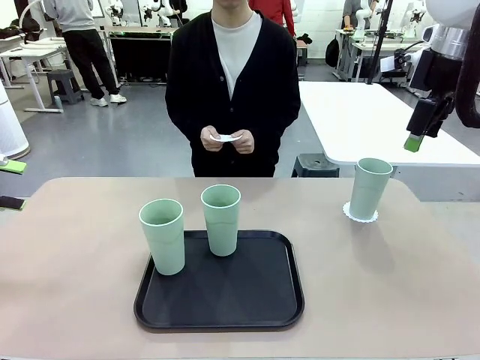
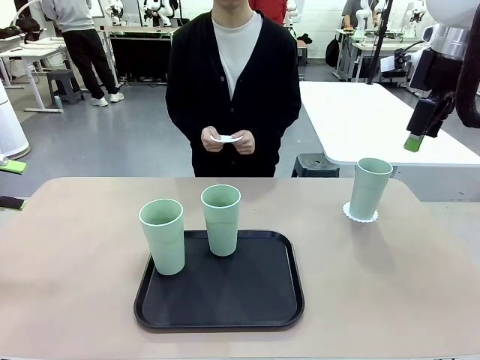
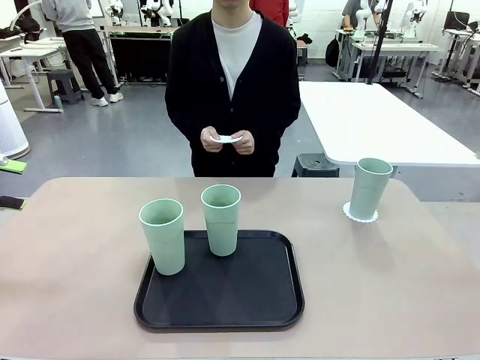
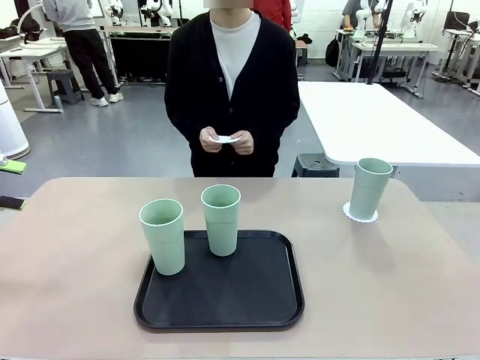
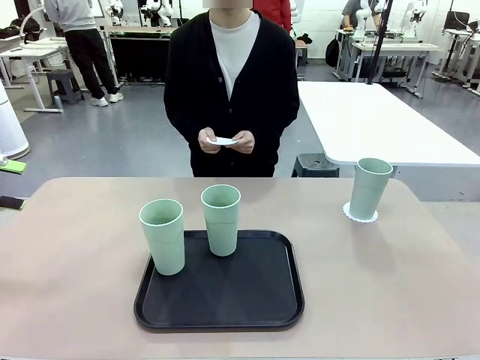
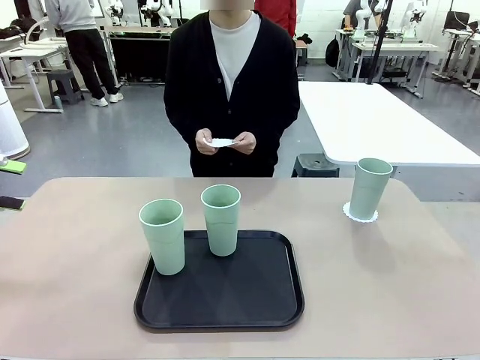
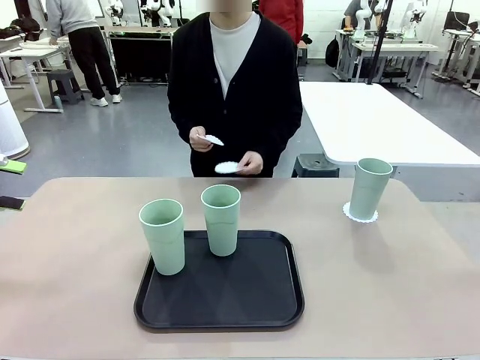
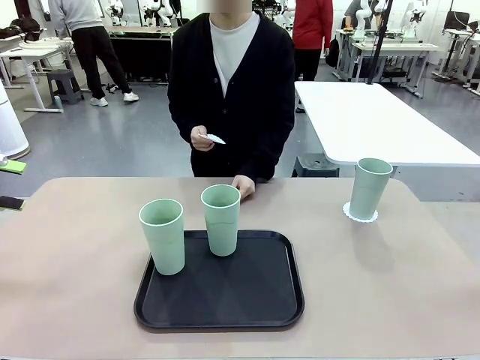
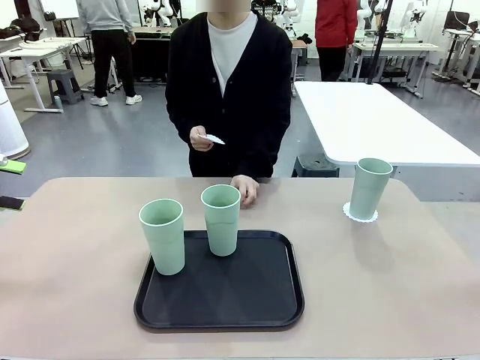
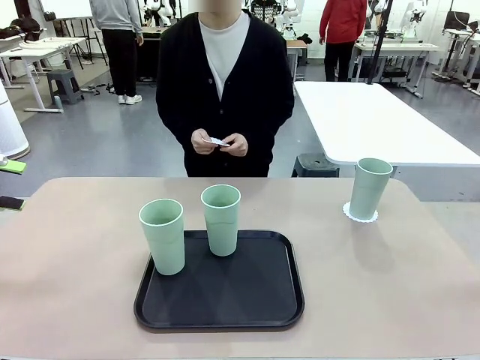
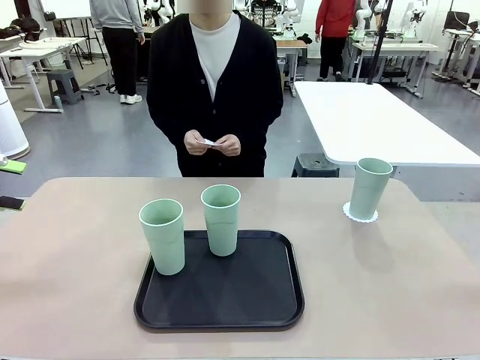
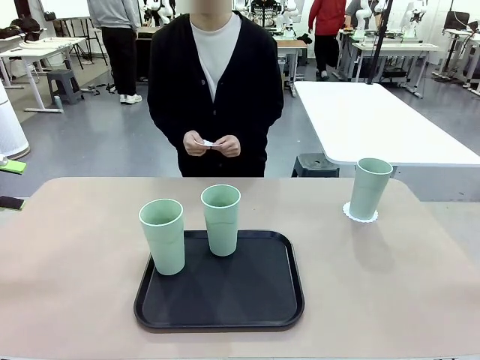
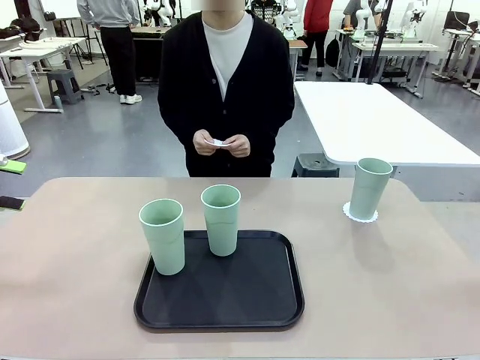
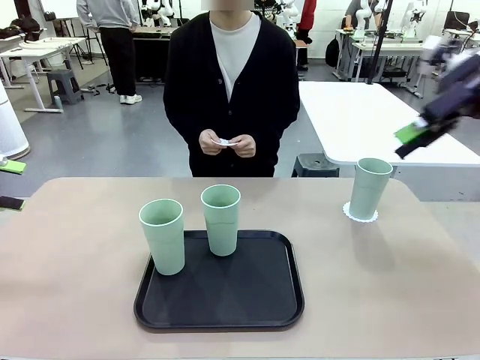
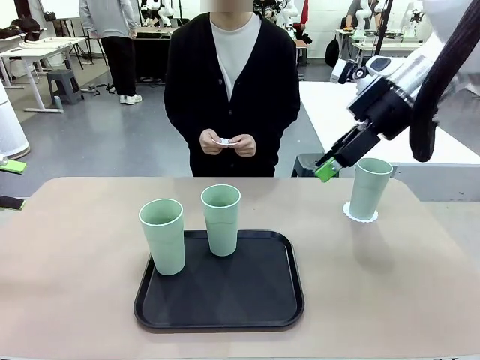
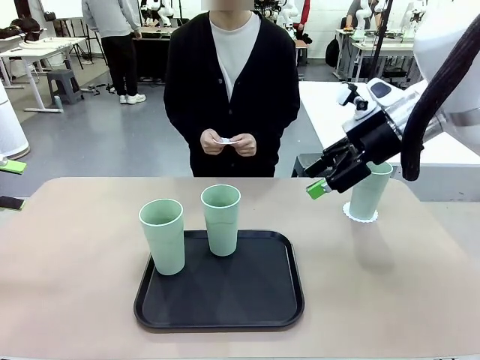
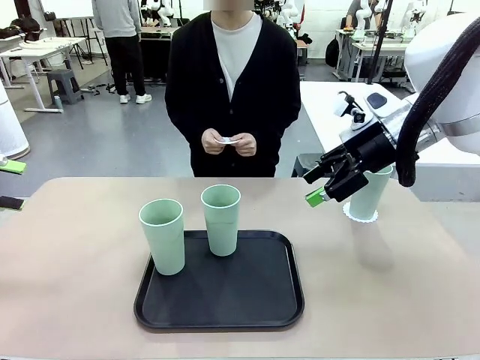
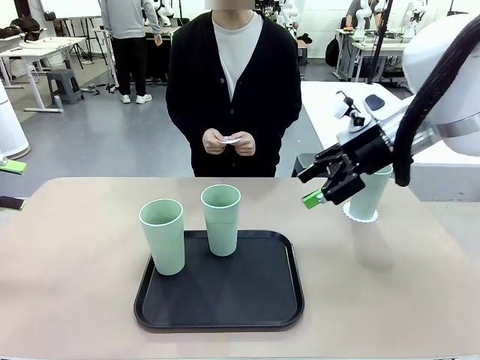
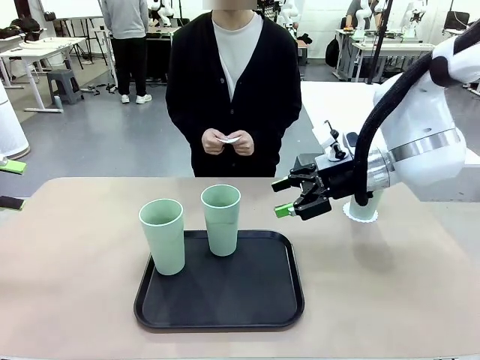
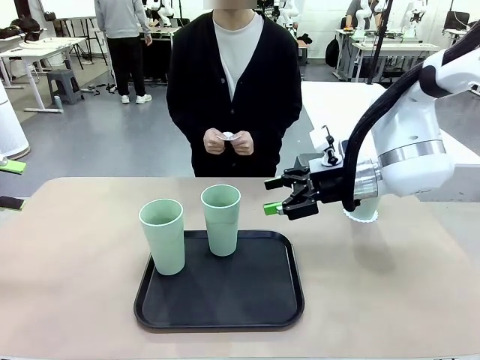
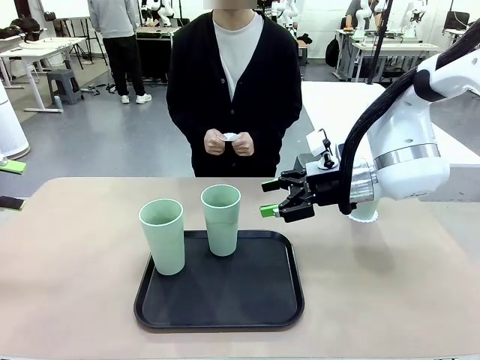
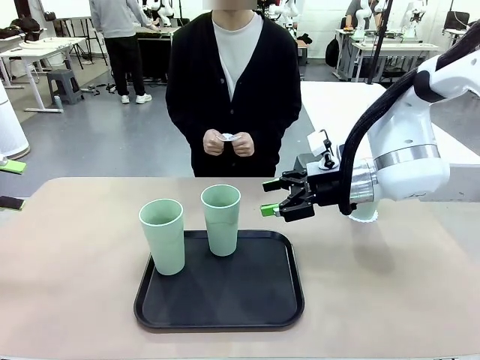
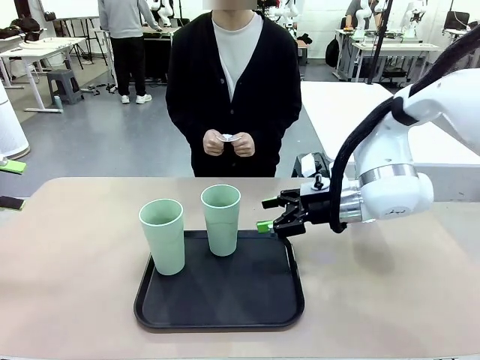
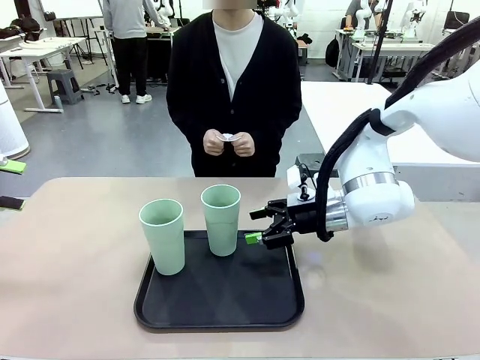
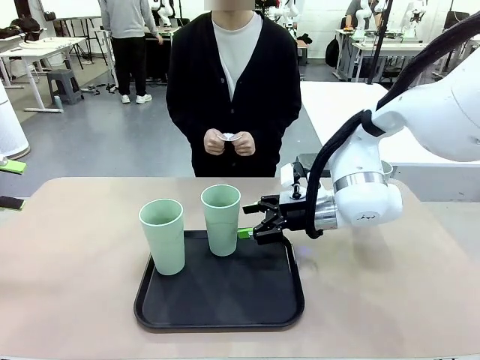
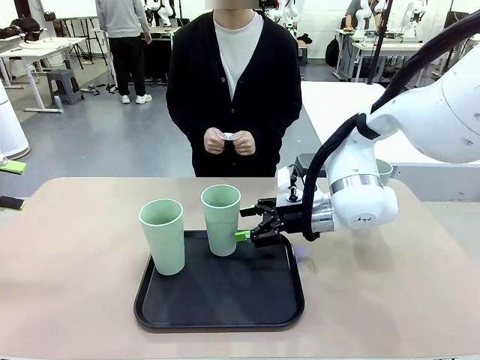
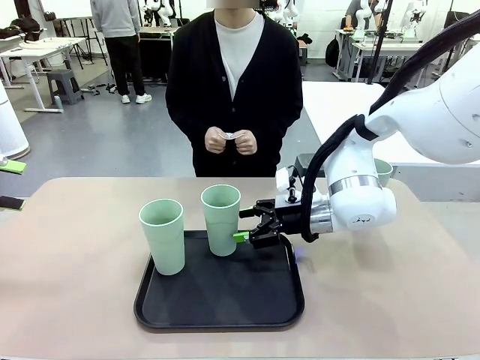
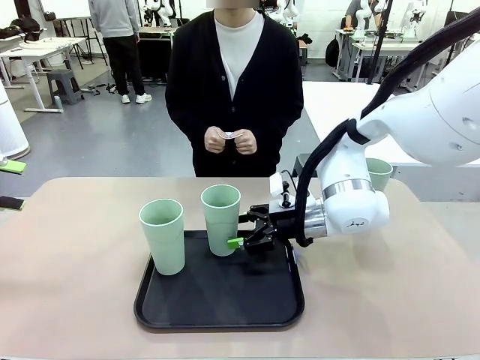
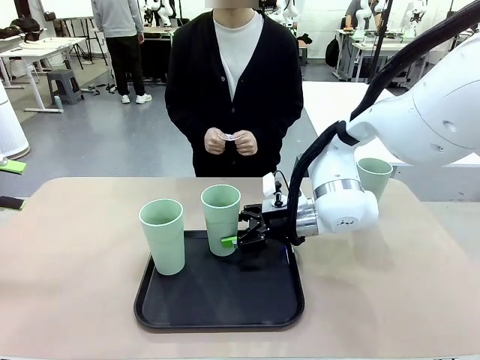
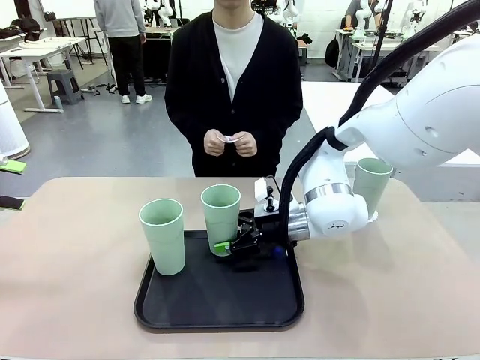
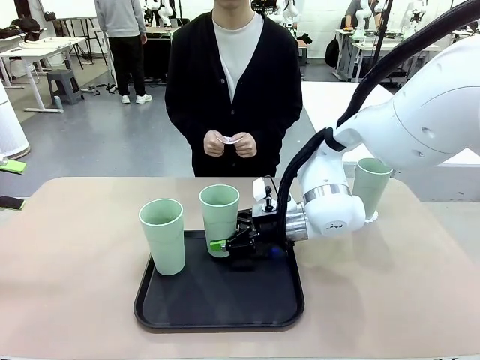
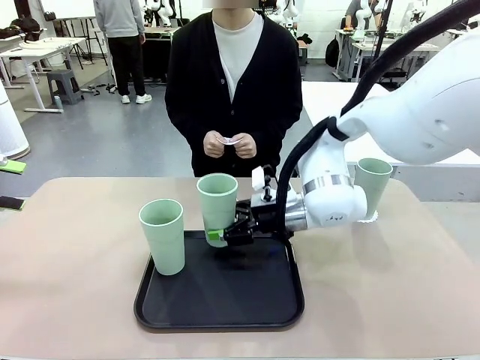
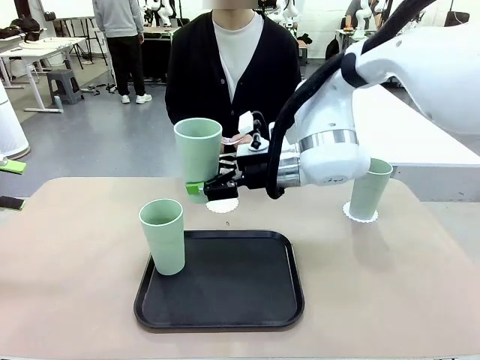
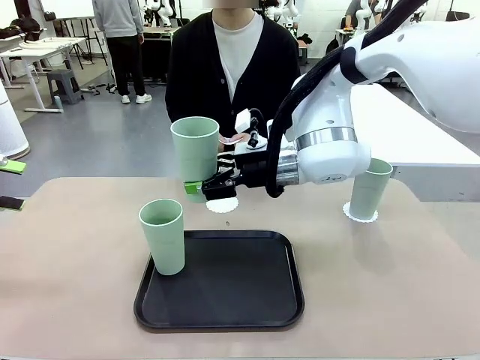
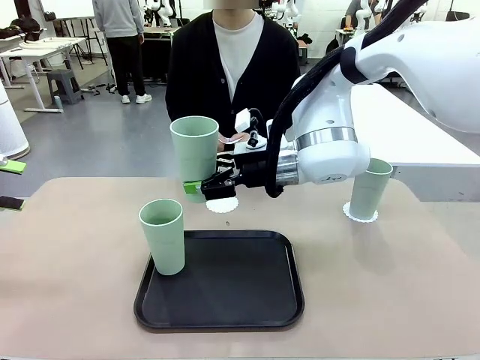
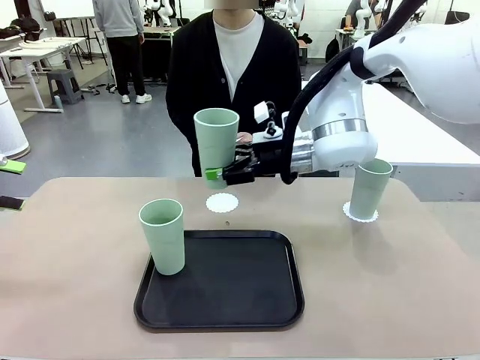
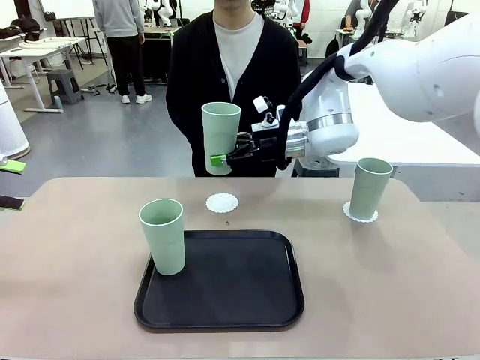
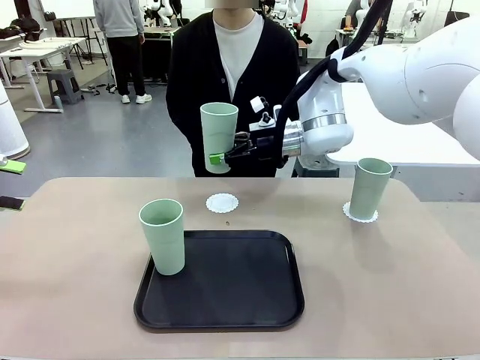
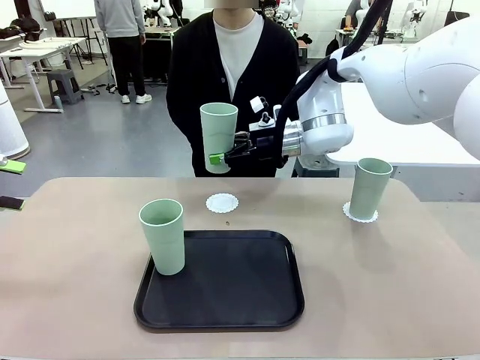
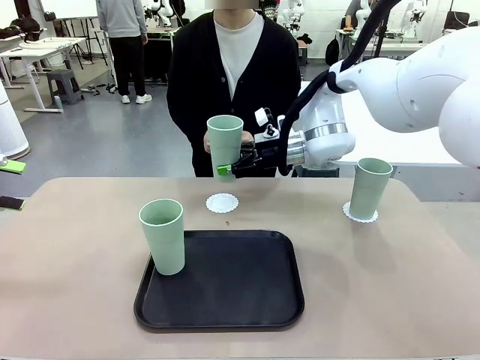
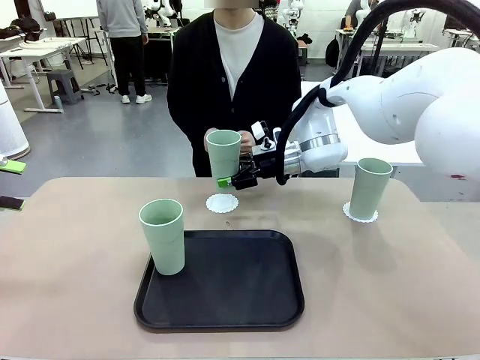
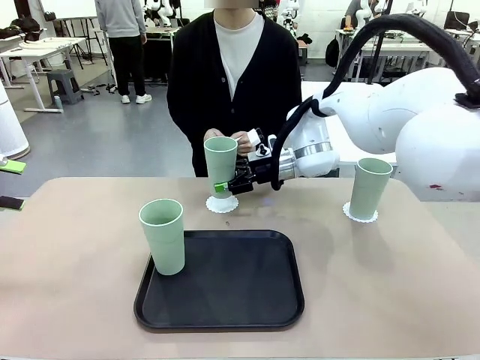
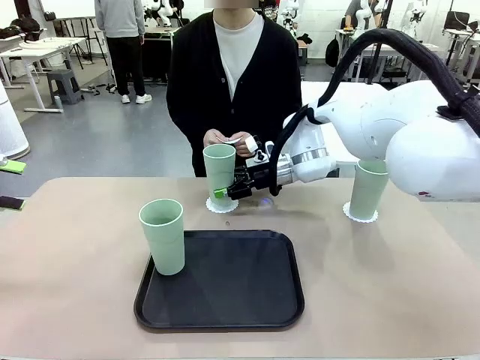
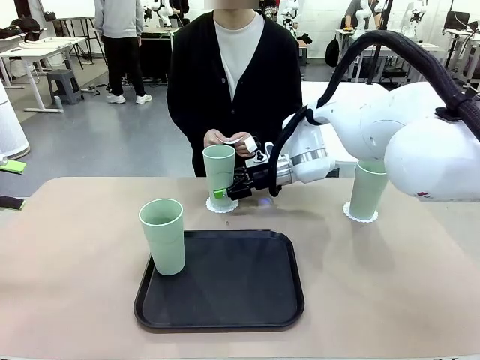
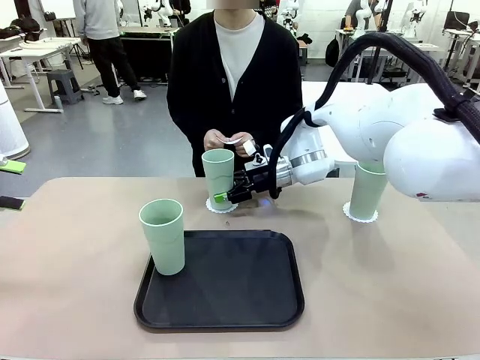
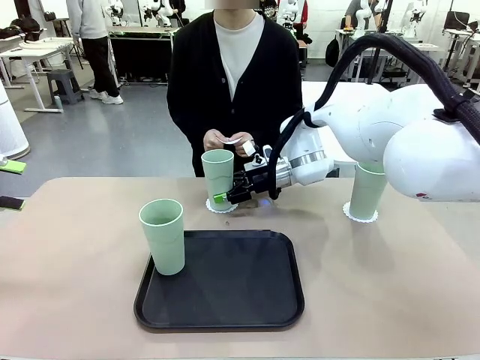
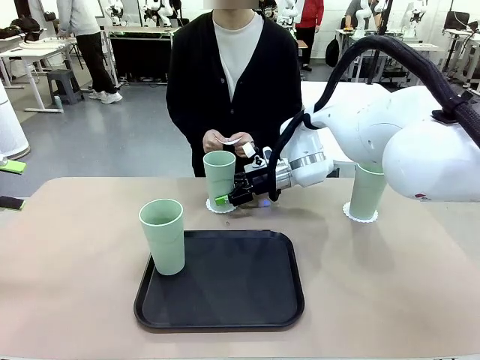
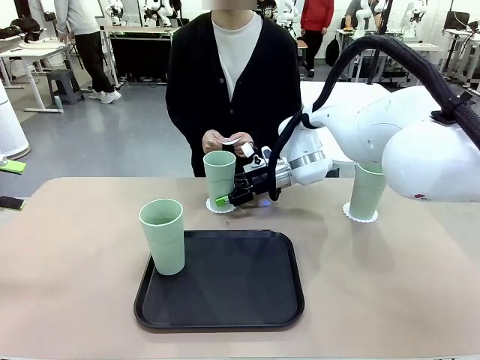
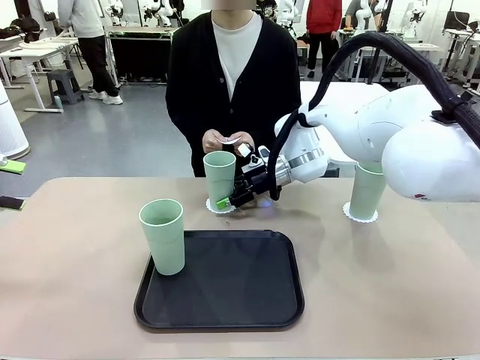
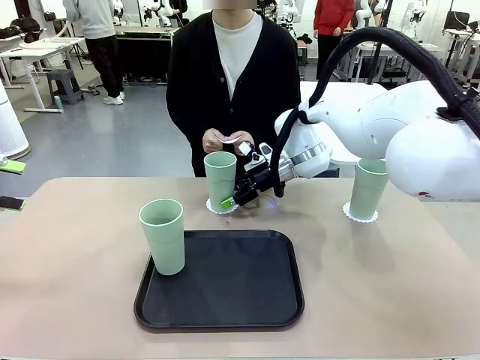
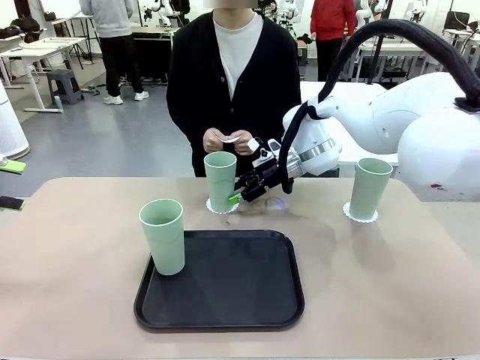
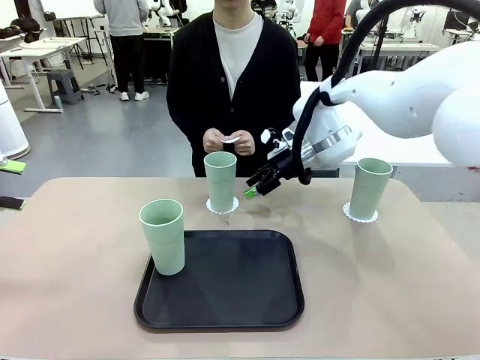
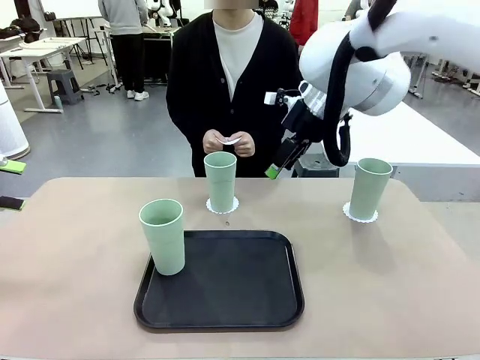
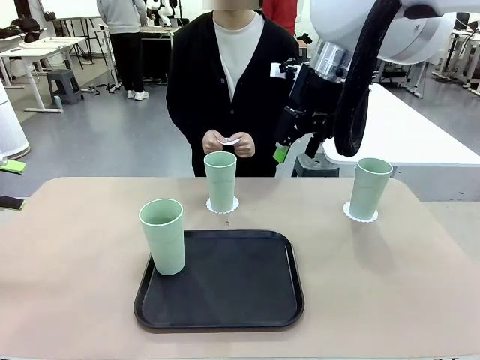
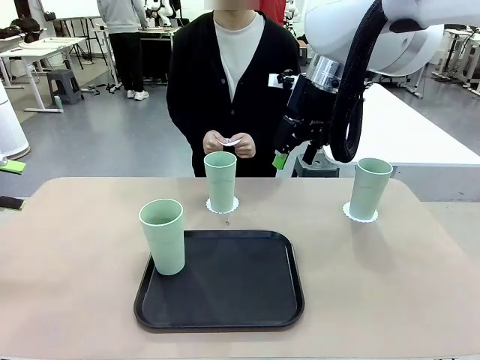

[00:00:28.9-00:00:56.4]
Task: Place coasters on the table and set cups on them.
Robot: Take one Reusable plastic cup from the Flat Tray and place it on a coaster set by the human.
